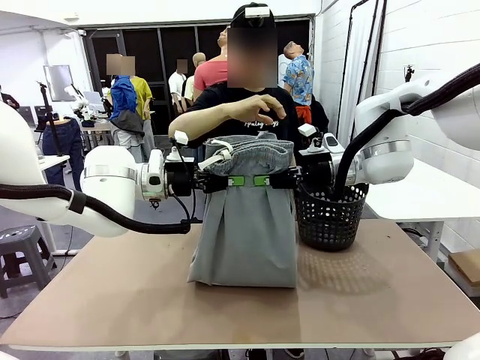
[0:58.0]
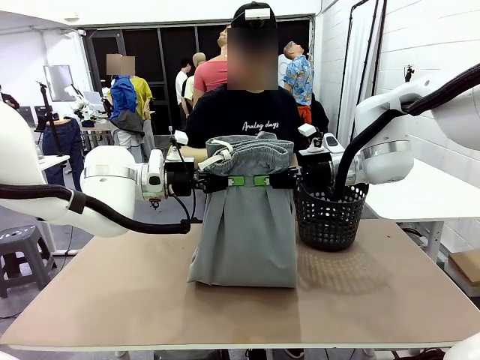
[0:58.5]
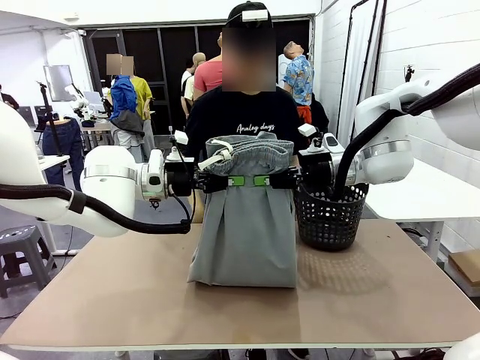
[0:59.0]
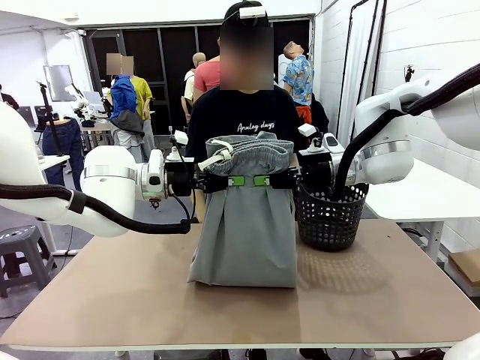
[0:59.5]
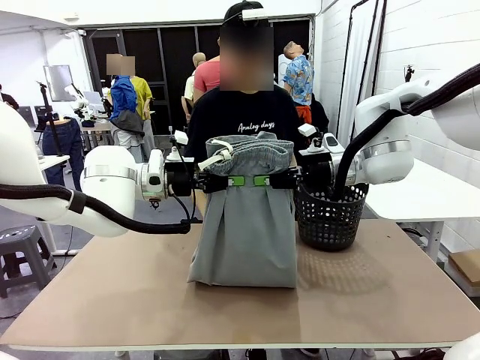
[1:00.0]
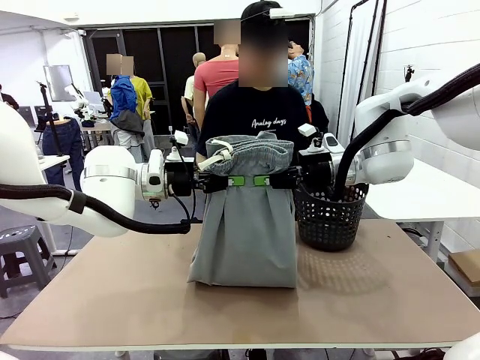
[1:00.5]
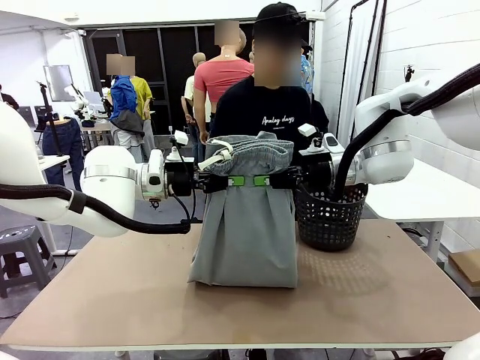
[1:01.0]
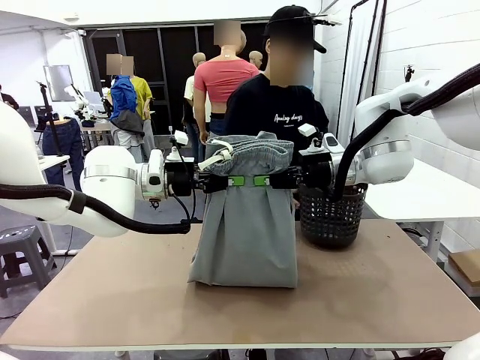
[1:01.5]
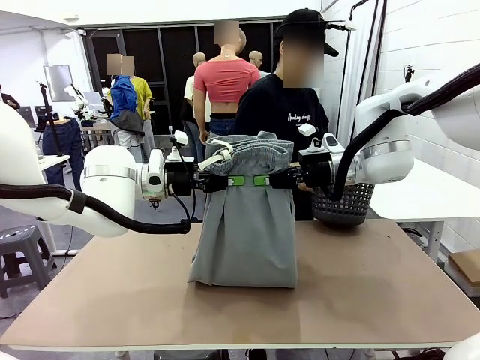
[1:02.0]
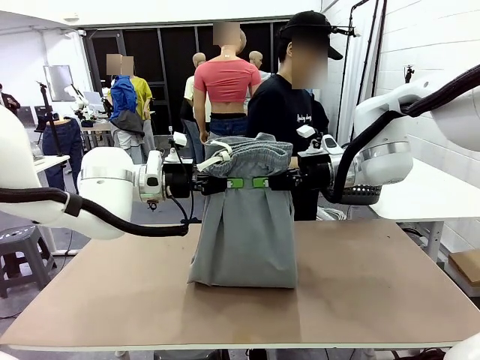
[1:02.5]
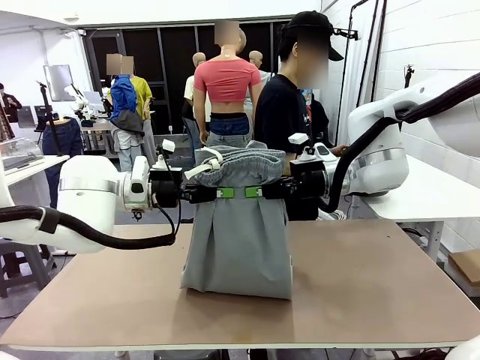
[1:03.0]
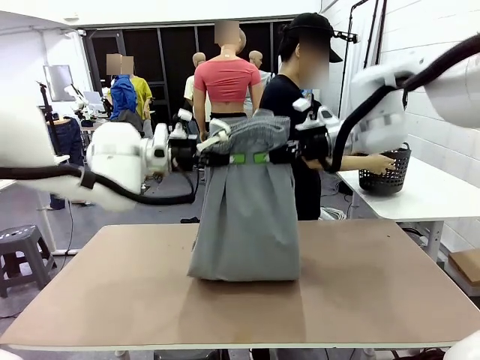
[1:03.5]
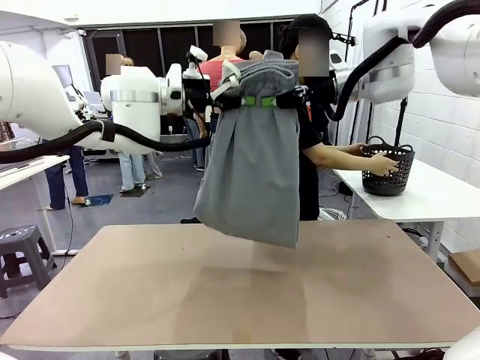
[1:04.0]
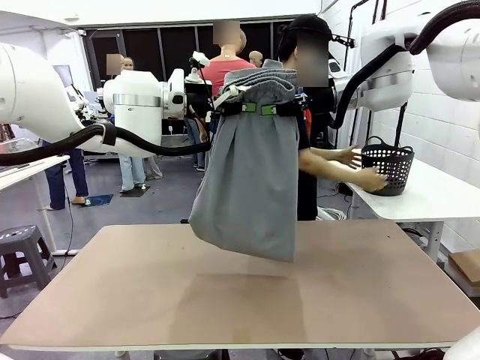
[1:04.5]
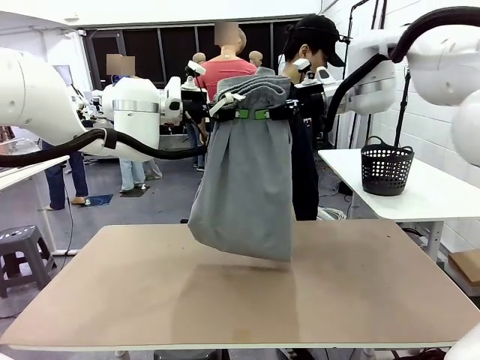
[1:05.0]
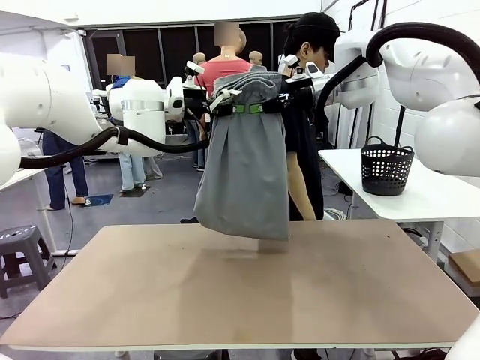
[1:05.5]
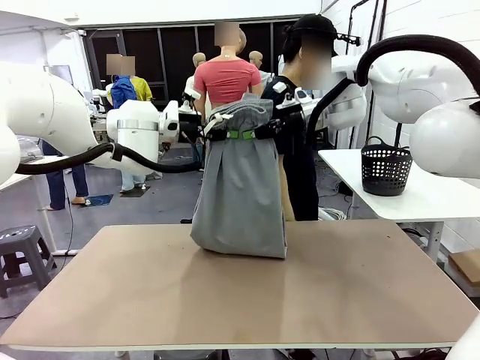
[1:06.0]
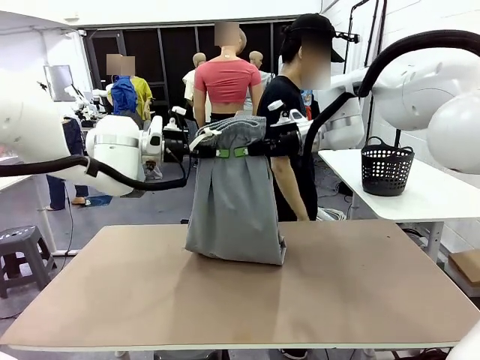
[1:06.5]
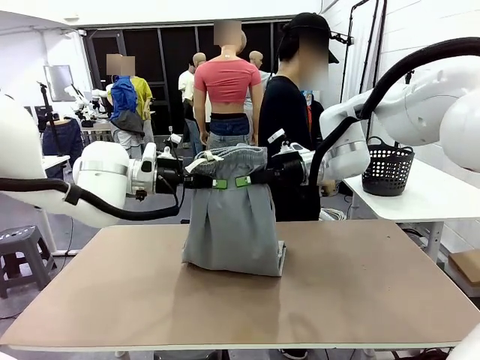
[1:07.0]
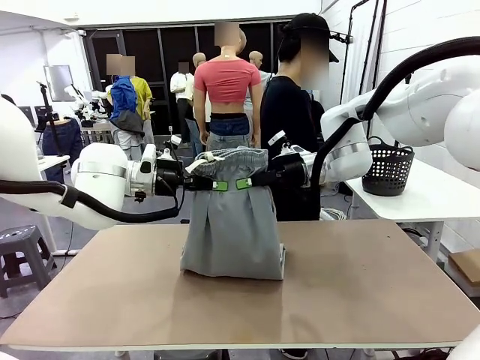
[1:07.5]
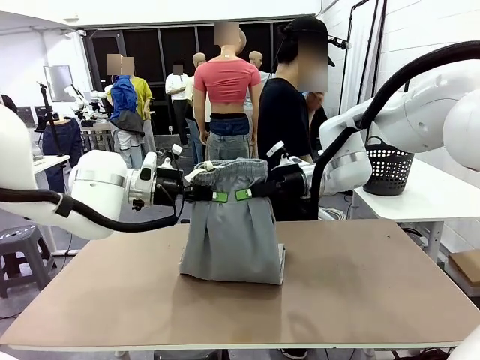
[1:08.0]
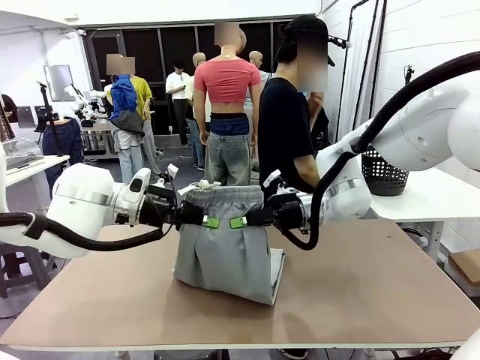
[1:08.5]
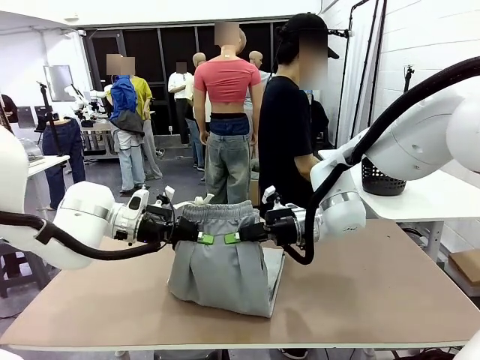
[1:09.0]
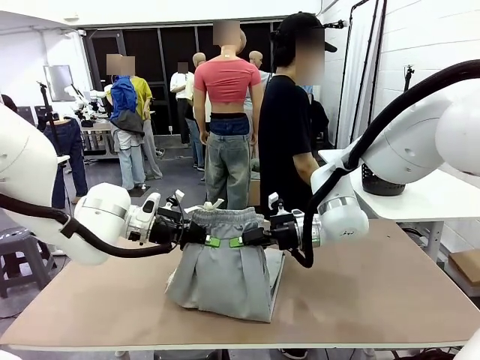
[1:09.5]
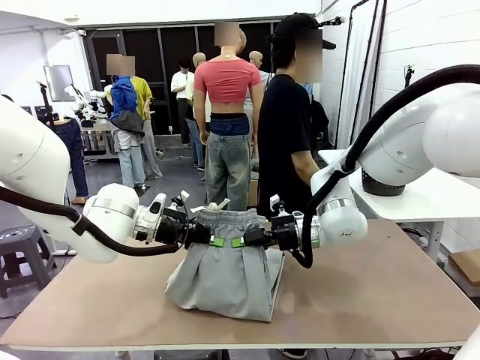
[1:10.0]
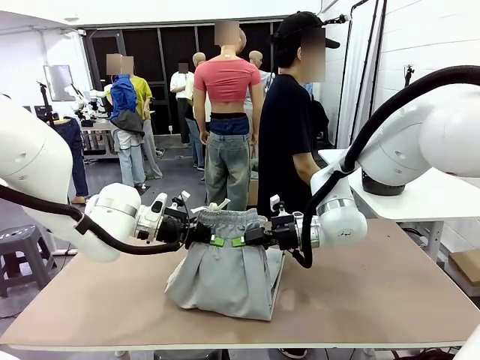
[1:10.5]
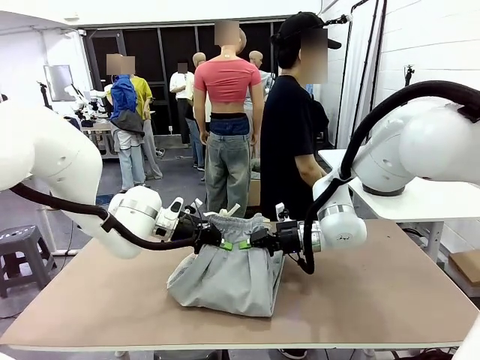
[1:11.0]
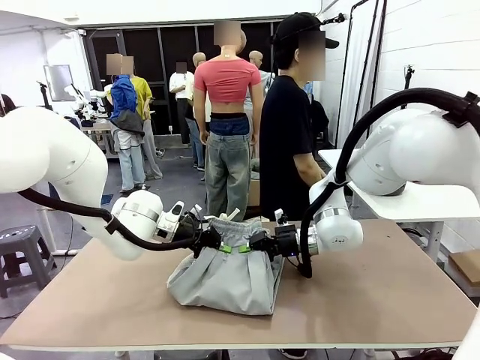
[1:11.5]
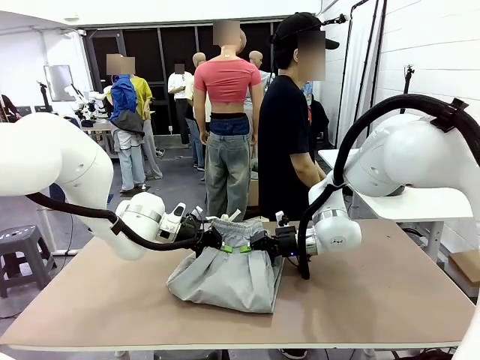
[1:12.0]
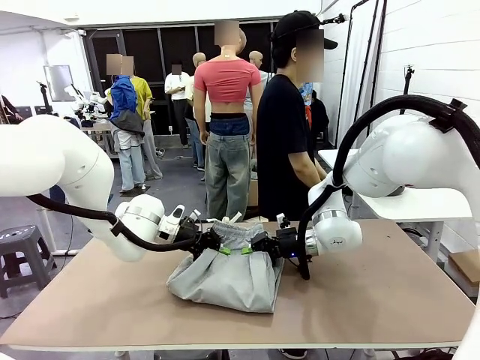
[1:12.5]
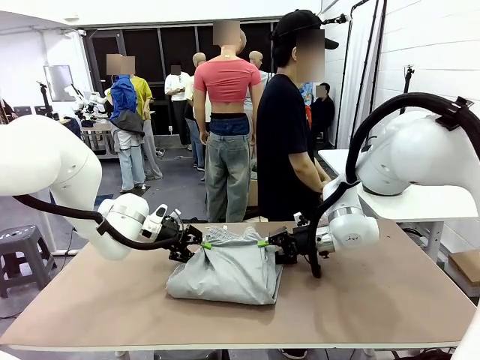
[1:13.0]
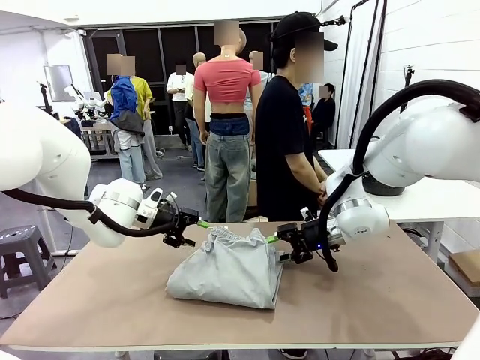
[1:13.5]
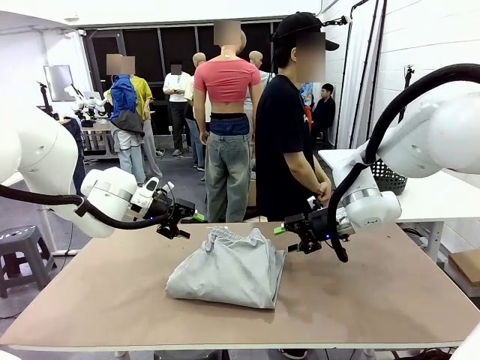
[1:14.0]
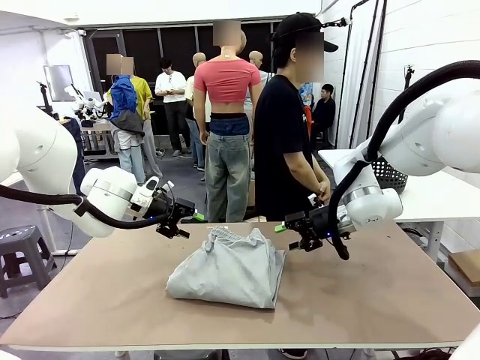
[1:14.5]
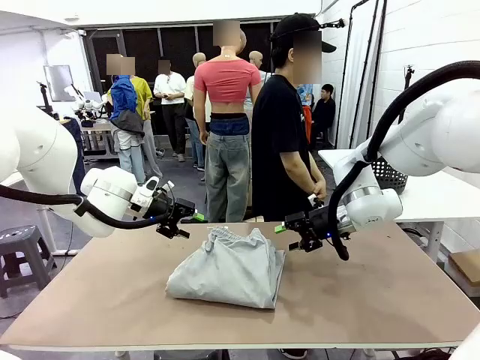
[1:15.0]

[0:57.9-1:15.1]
Task: Fold the training pants.
Robot: Fold the Training pants in half.
Person: Move the laundry basket to the right of the human table.

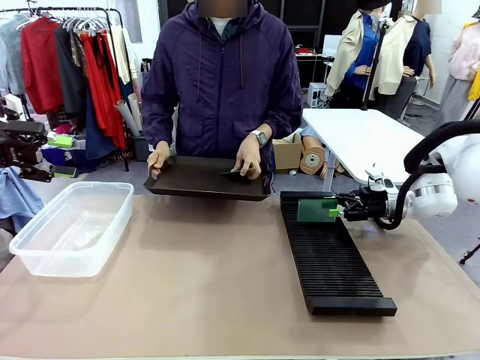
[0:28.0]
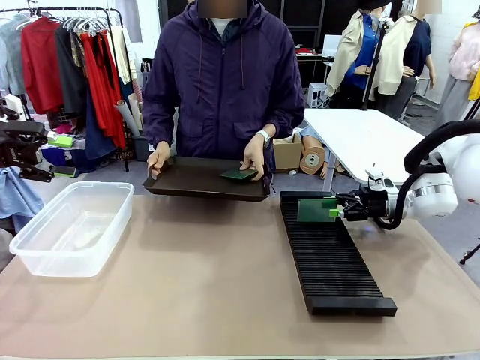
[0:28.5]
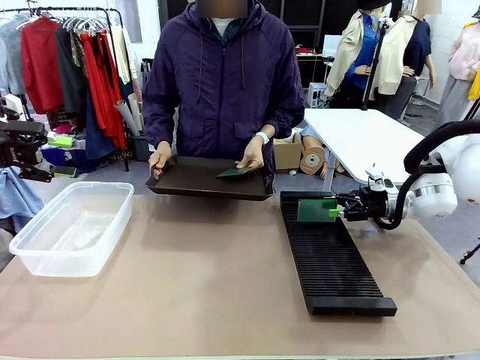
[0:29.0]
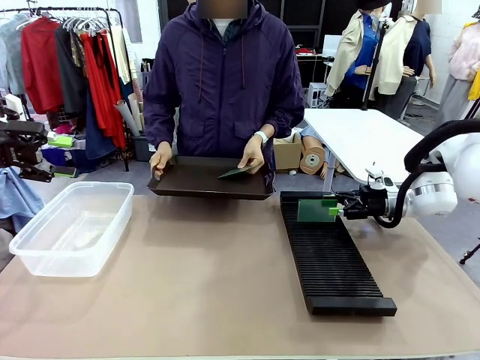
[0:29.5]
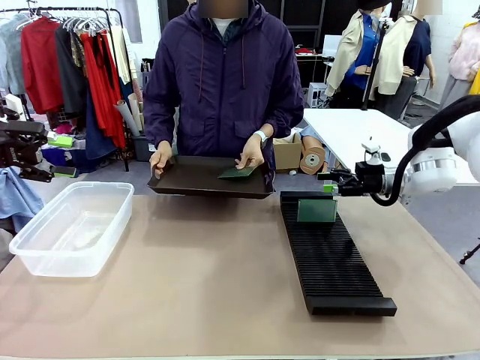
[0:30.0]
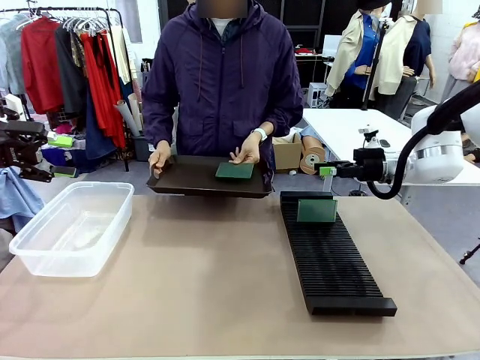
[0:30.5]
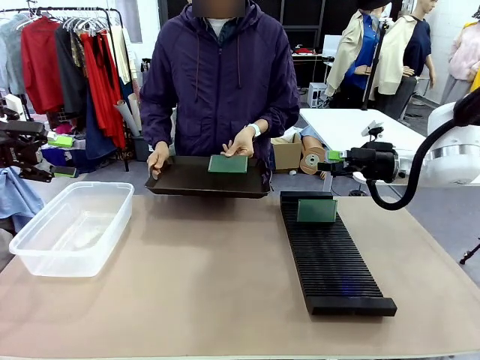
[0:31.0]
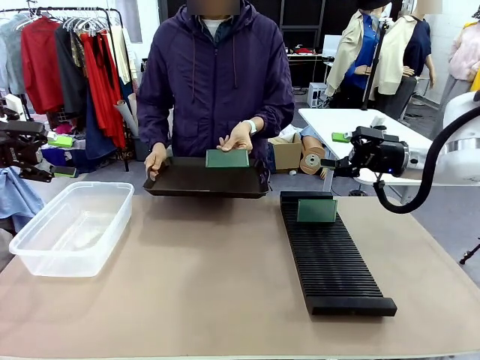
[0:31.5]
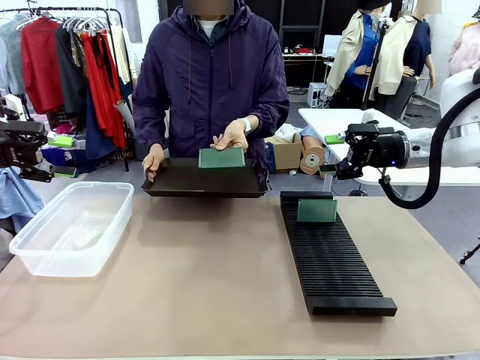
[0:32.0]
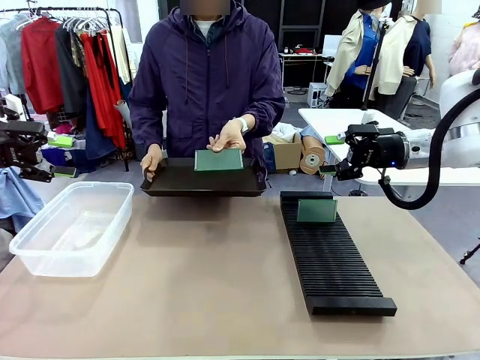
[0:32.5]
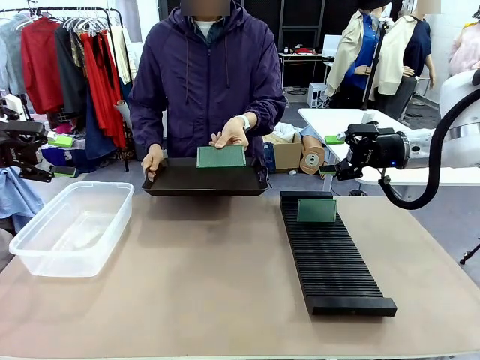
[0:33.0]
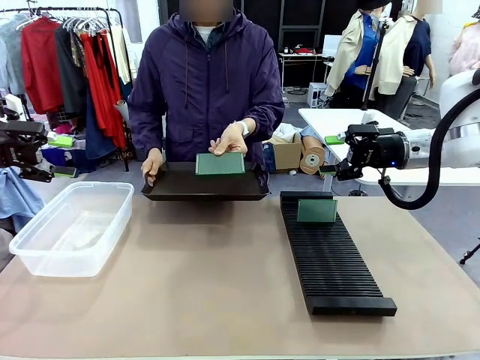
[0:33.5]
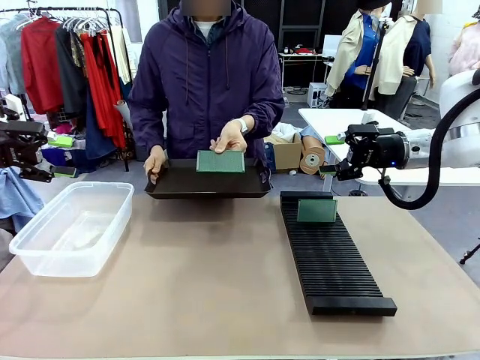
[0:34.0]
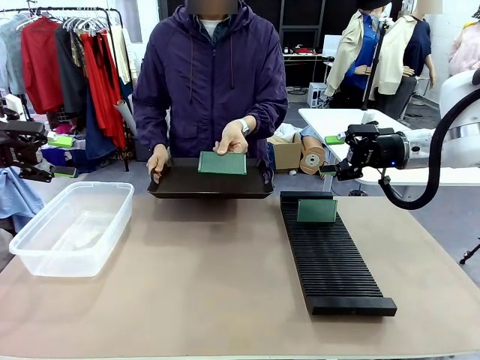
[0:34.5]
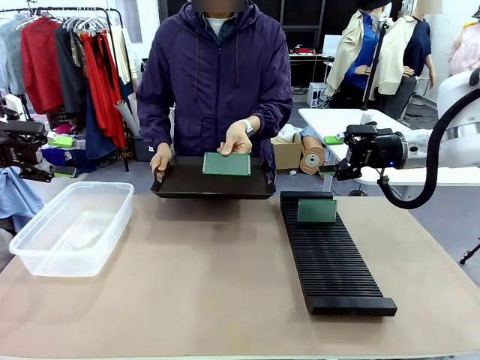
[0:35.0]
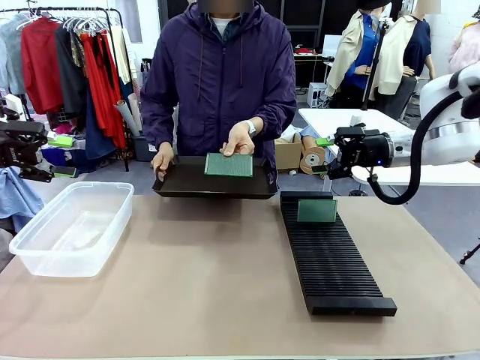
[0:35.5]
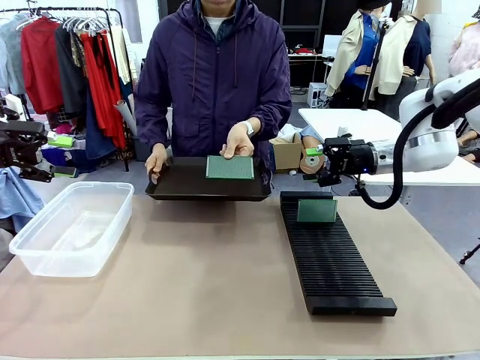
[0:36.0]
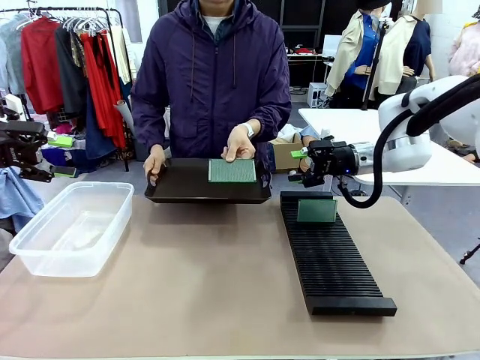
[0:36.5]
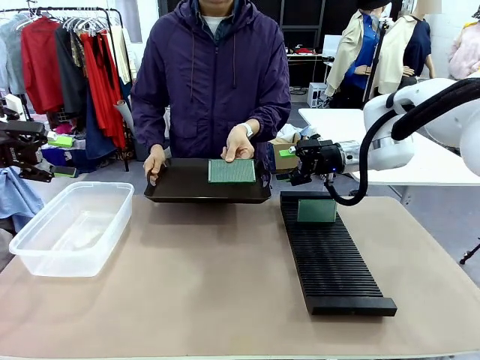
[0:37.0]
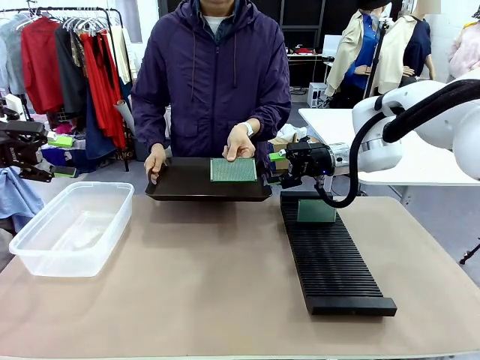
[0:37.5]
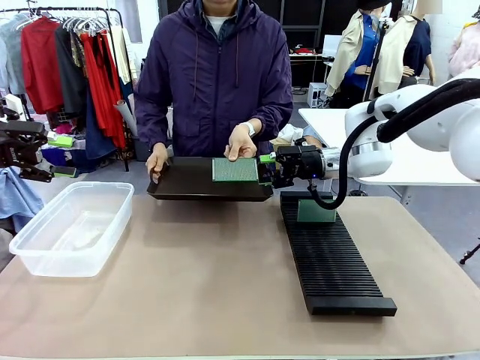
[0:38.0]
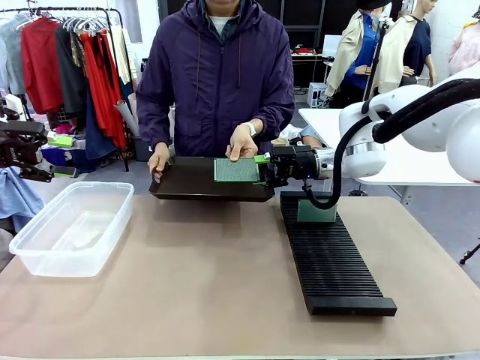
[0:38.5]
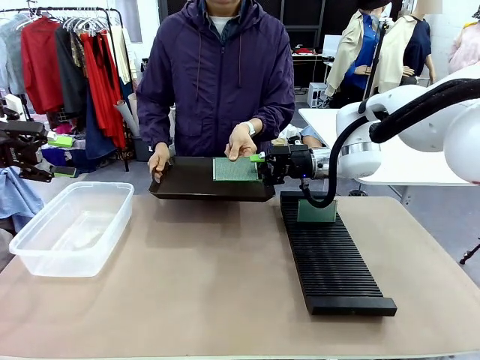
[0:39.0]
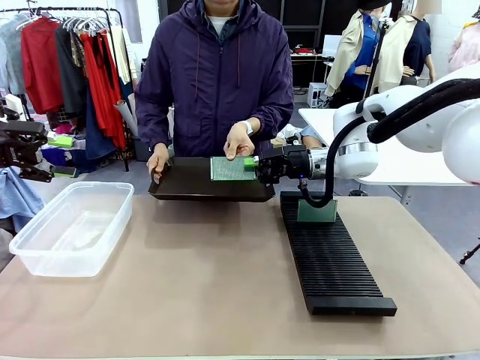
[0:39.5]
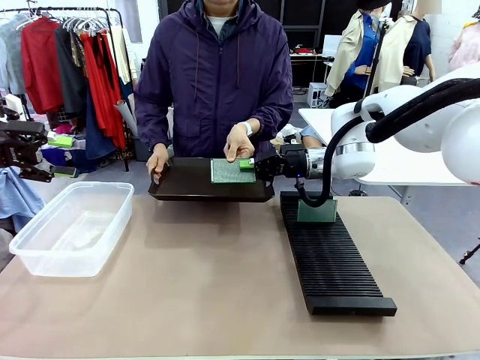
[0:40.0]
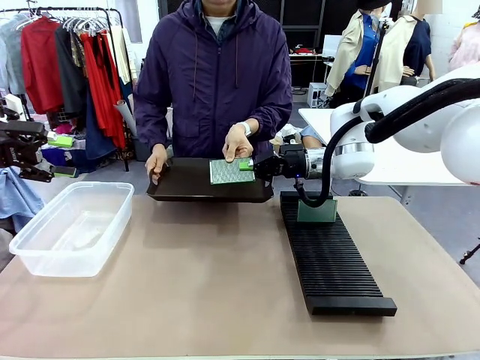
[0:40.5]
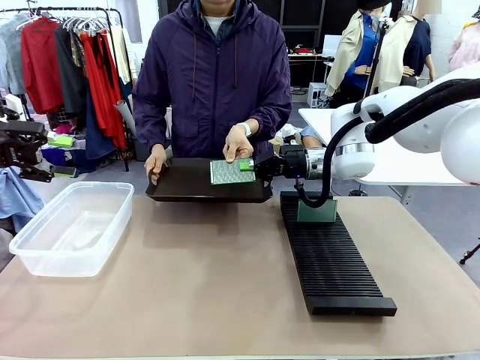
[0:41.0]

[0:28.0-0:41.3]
Task: Sort PCBs into racks and boxes based on the side picked up.
Robot: Pick up the Blank PCB handed by the Human.
